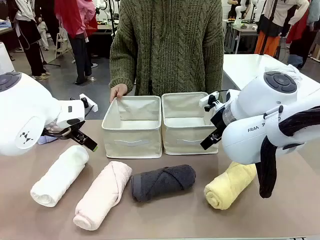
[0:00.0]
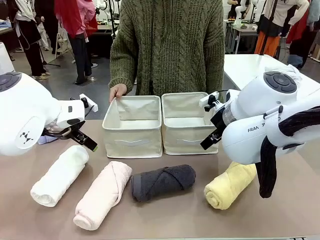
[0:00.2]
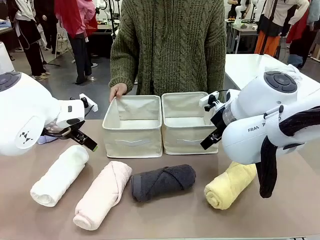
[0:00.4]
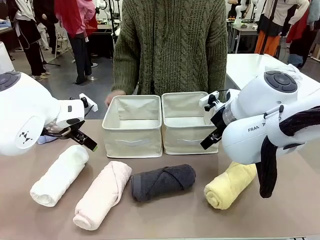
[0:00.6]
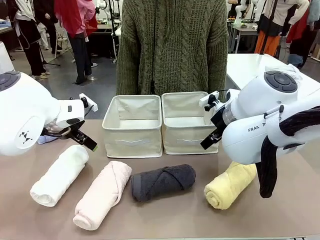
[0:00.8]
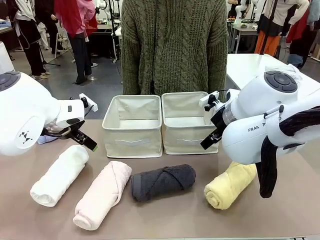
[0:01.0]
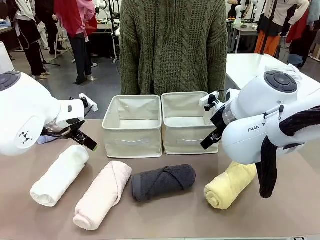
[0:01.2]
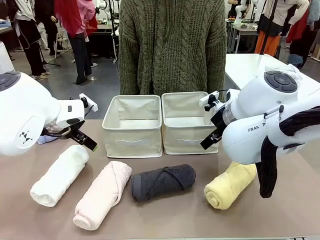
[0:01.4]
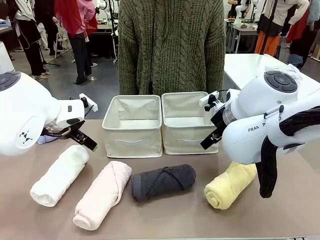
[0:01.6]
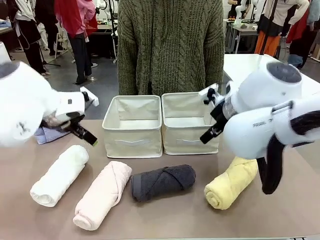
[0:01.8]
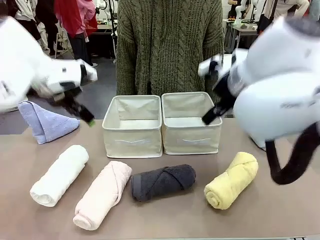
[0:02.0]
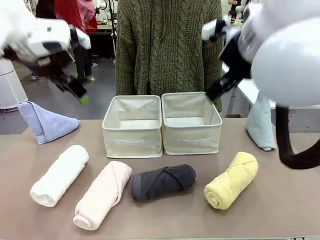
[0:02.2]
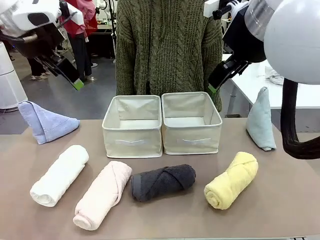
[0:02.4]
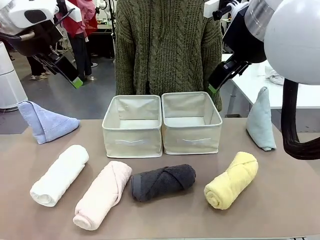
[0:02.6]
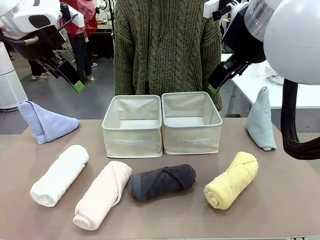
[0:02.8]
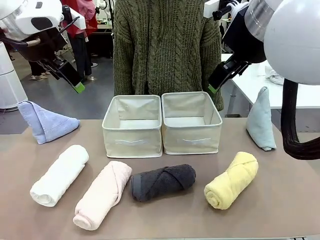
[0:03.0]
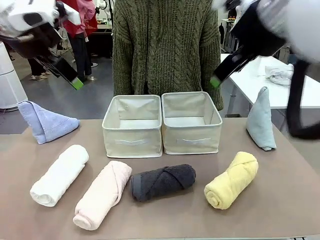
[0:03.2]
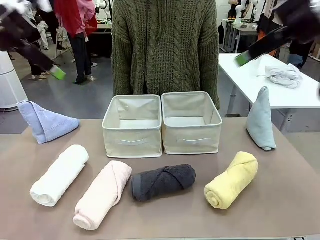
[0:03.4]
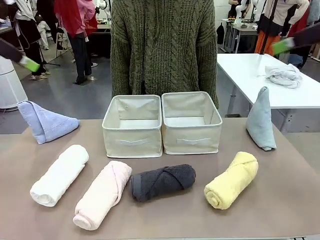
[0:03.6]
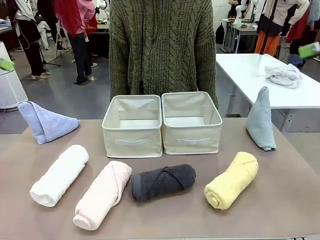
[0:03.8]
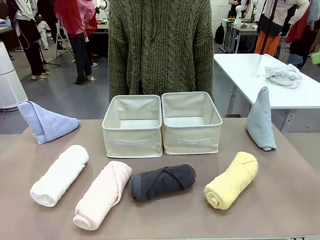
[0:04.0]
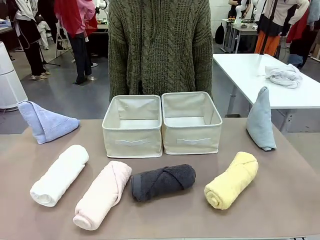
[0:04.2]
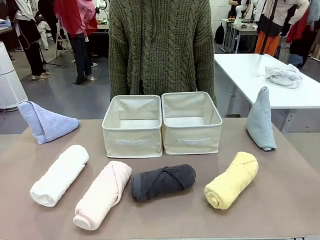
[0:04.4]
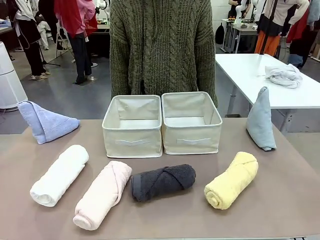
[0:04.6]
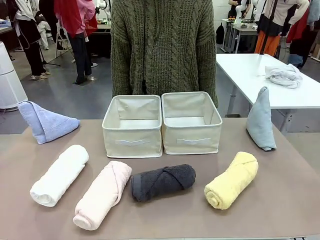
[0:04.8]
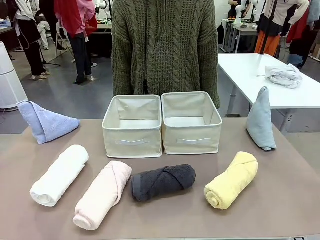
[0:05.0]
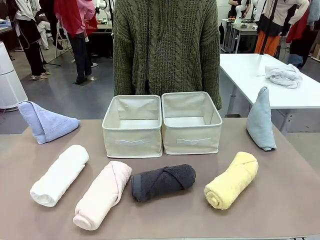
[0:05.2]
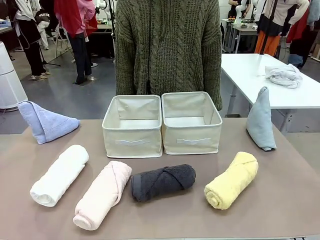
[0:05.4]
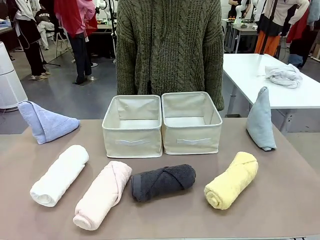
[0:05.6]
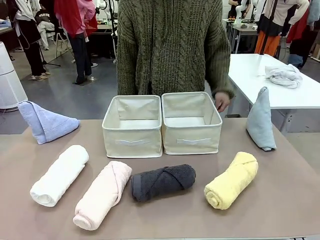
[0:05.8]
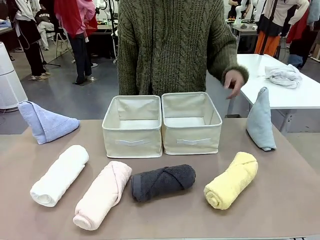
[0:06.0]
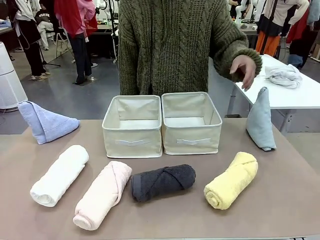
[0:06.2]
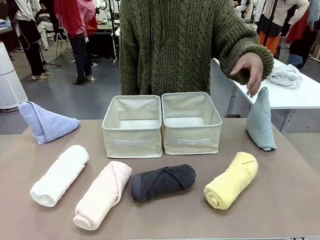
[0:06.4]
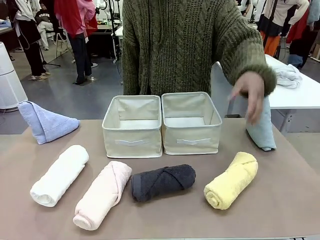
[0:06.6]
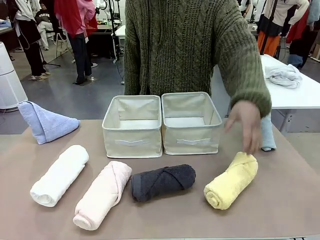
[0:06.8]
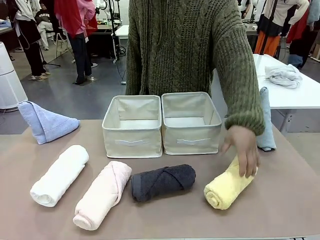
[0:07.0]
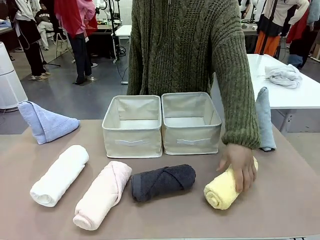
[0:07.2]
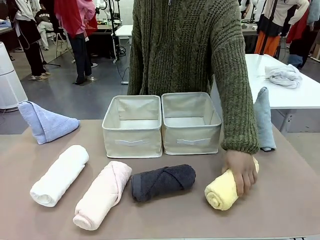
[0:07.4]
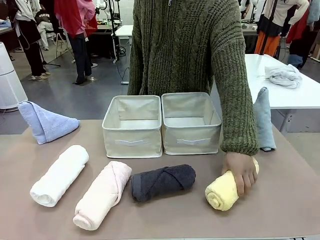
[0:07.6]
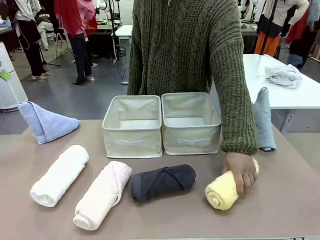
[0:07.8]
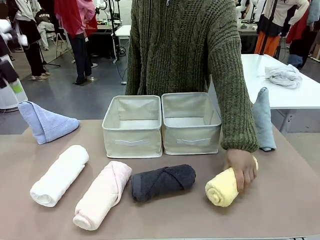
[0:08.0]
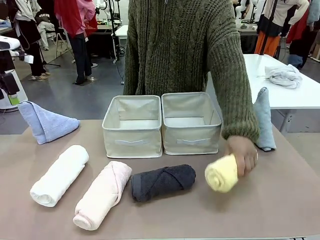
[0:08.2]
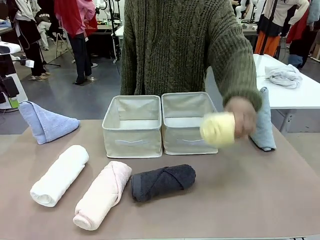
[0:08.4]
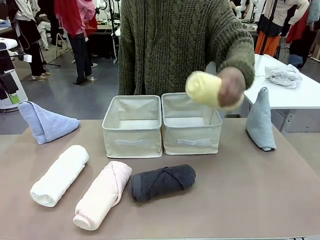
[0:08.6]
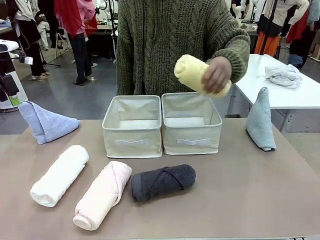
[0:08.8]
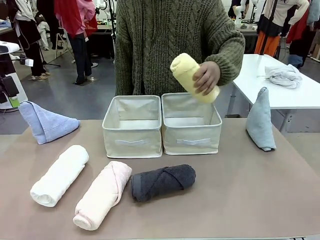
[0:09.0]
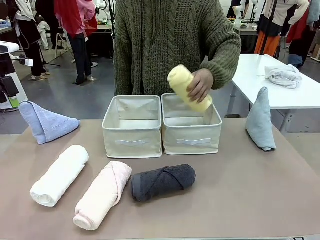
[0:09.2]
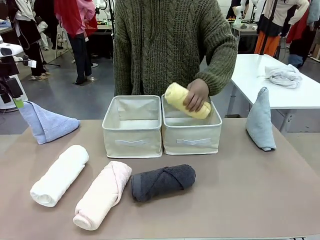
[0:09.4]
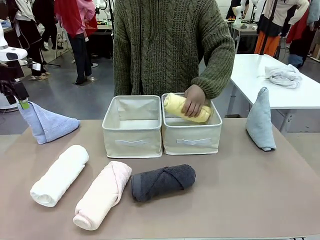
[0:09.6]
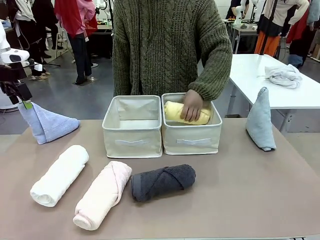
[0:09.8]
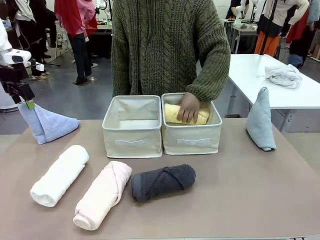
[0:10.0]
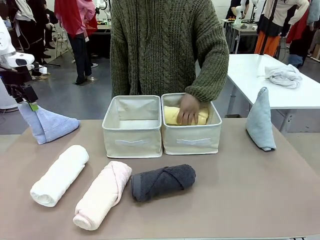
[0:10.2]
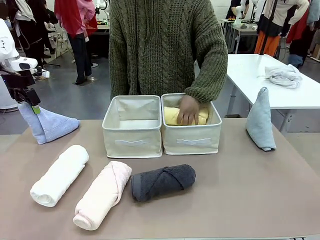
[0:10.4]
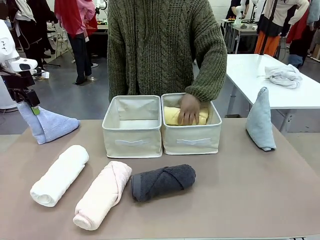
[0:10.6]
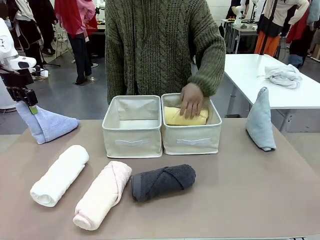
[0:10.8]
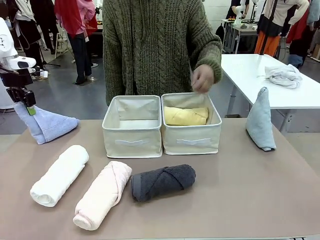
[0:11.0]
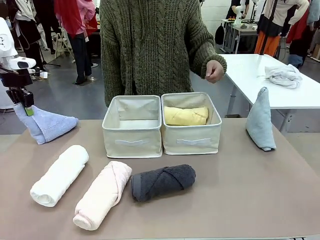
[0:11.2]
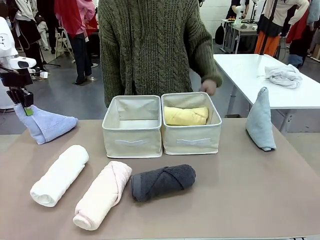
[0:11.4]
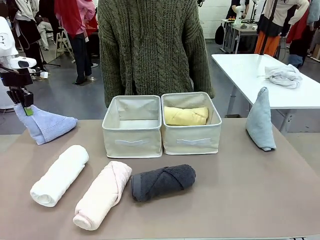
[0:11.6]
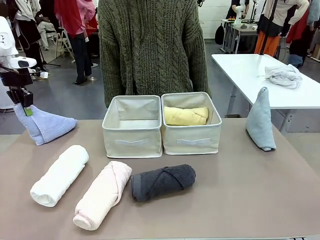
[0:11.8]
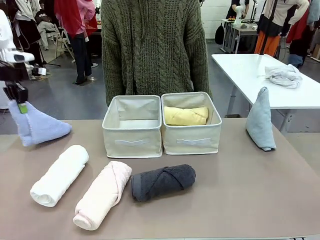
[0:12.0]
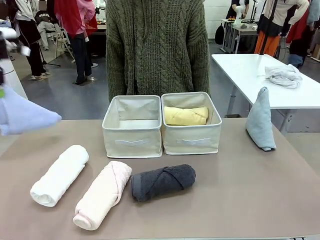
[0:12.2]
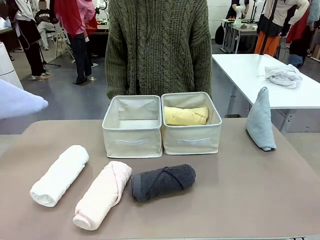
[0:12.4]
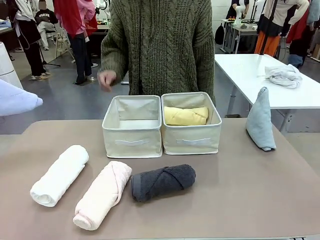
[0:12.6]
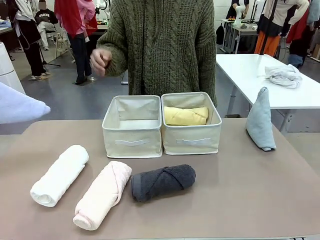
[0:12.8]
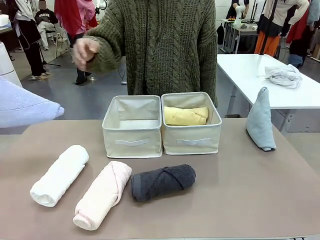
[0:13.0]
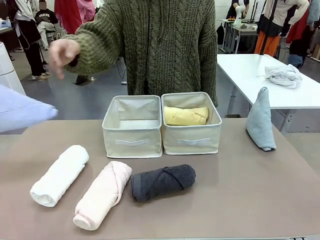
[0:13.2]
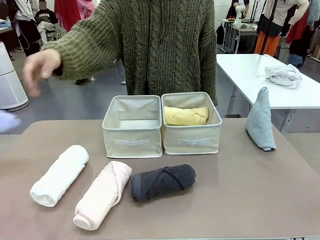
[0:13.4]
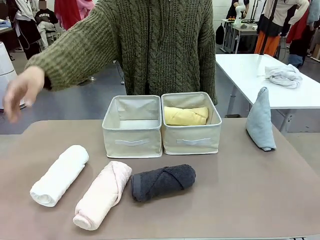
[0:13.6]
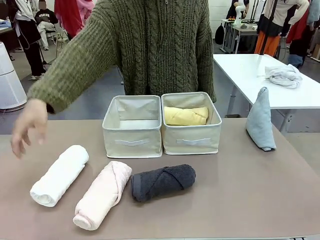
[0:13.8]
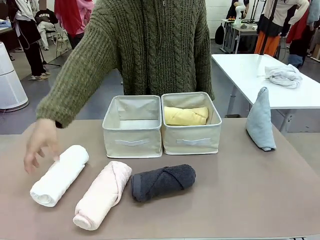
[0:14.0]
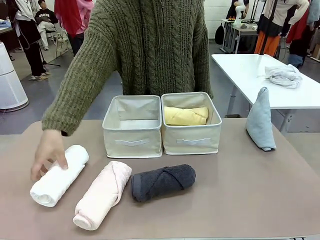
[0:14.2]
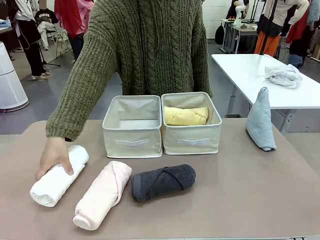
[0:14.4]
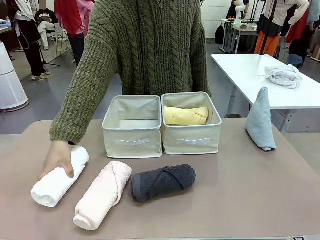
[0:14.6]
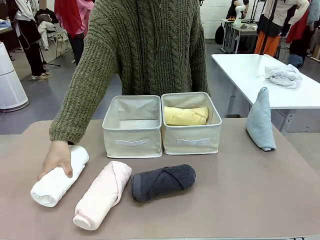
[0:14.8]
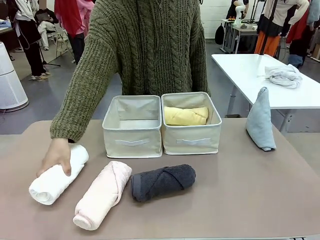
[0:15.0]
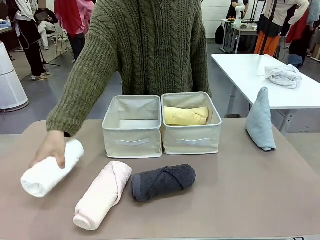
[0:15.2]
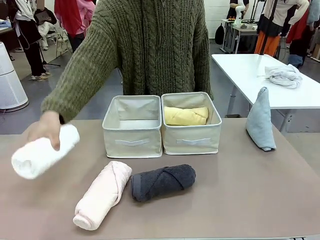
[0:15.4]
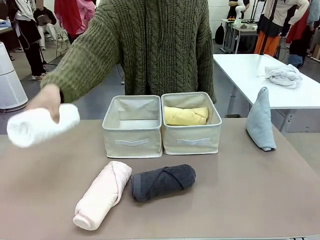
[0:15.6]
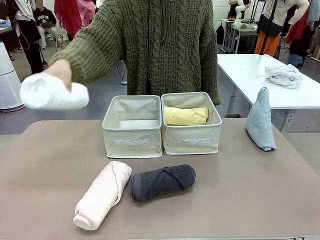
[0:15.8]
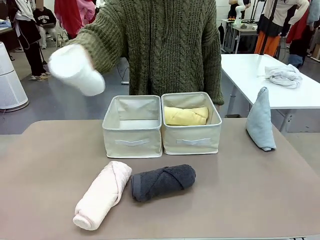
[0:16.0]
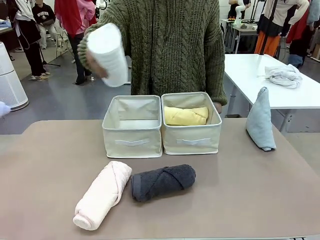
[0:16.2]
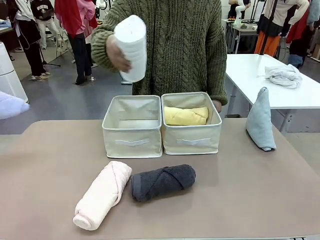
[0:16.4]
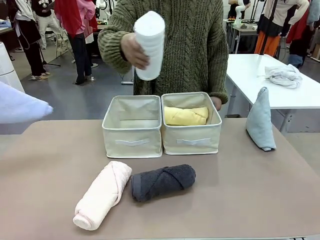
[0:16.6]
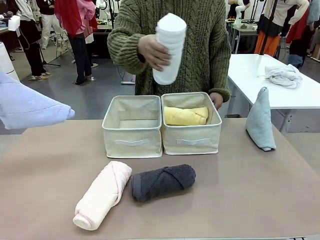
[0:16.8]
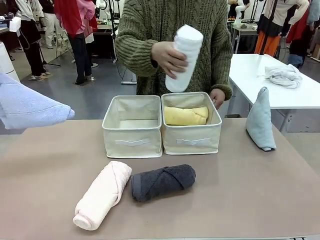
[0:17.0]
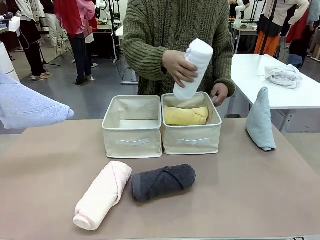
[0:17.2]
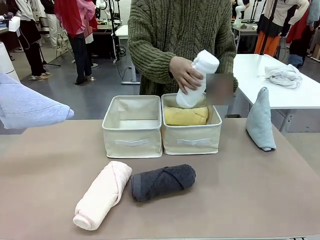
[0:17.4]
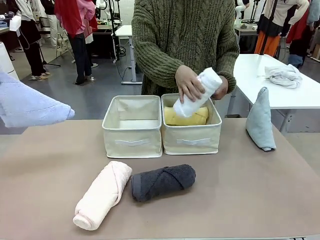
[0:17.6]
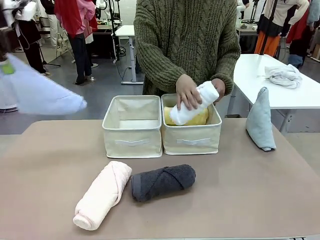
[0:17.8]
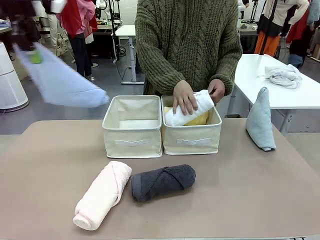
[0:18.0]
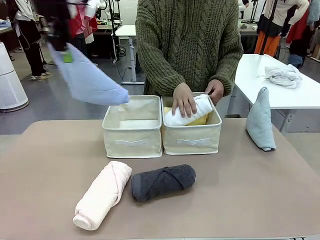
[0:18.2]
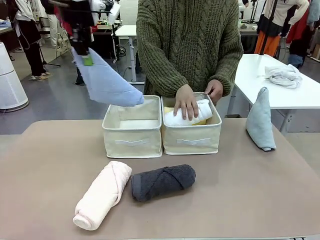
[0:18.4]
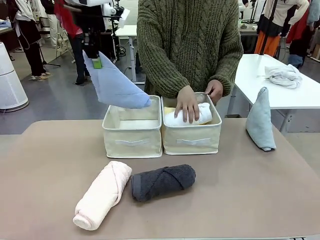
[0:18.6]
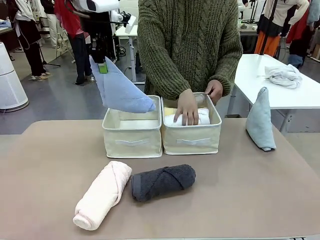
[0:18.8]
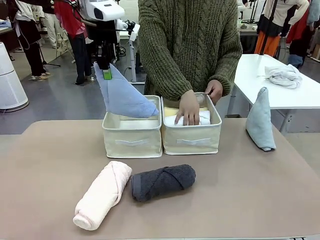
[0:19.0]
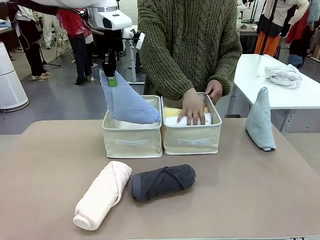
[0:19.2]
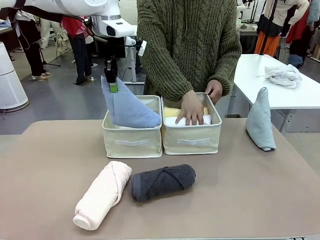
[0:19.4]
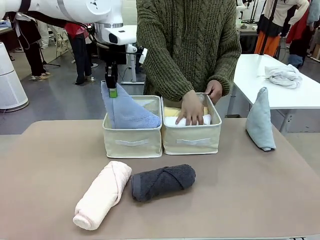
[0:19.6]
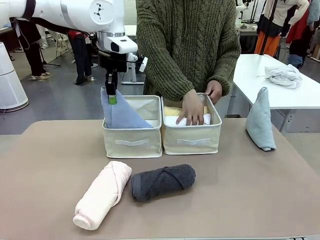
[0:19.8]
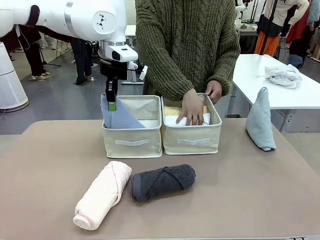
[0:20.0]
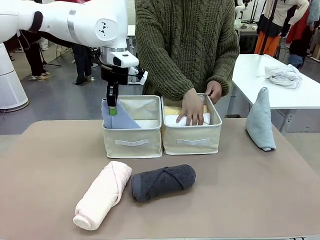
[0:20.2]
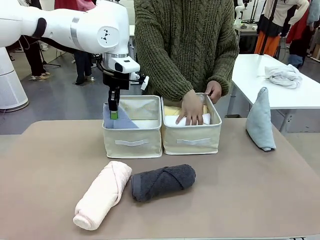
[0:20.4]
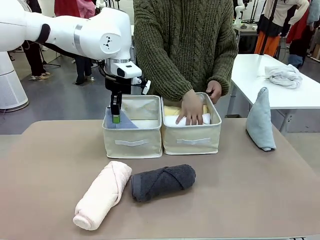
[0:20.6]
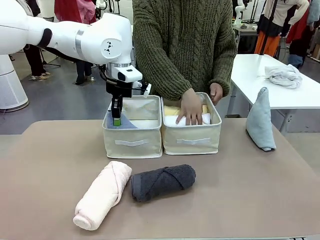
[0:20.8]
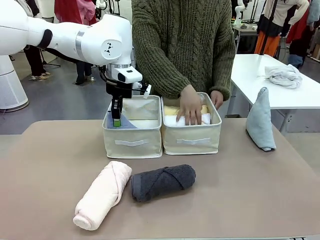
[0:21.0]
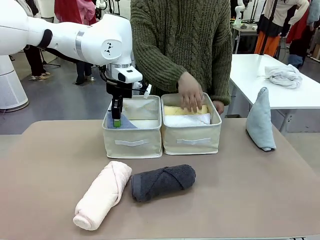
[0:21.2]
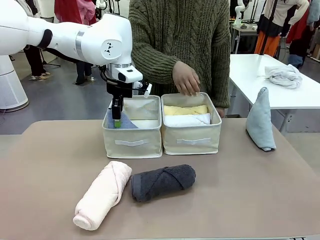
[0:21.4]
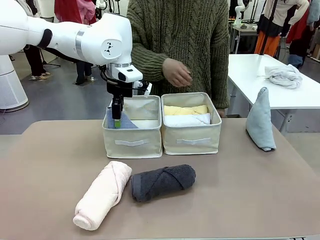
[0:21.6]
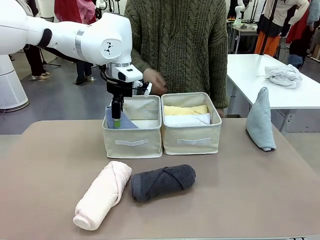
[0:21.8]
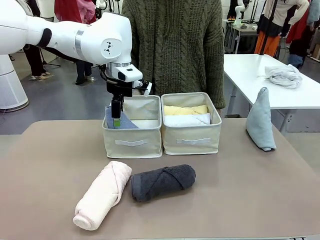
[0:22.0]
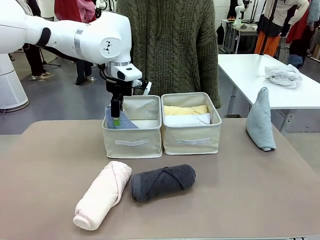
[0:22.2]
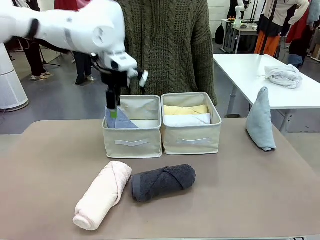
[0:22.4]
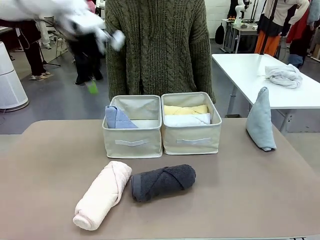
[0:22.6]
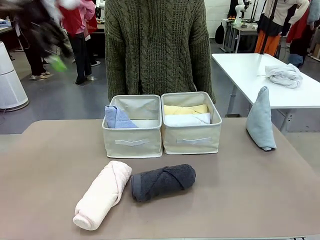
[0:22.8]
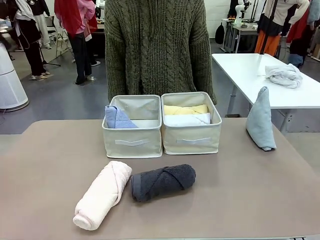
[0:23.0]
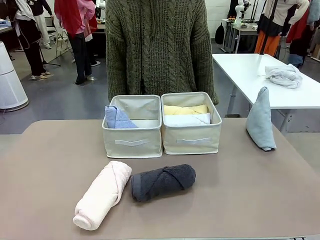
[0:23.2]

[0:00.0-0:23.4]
Task: Sort the towels based on their folding style.
Robot: Pick up one triangle-folded towel and place it in the left Fabric basket.
Person: Pick up one hotel-style rolled towel and place it in the left fabric basket.
